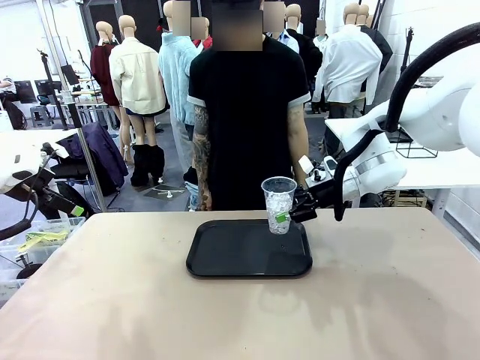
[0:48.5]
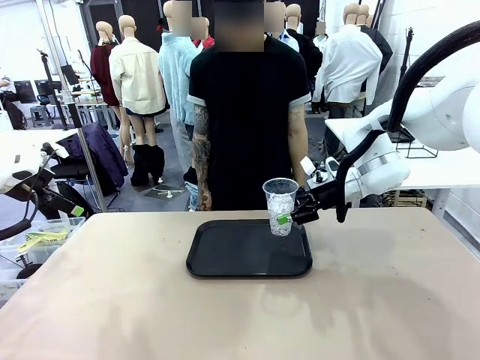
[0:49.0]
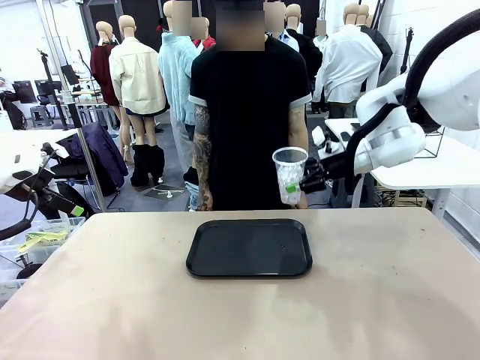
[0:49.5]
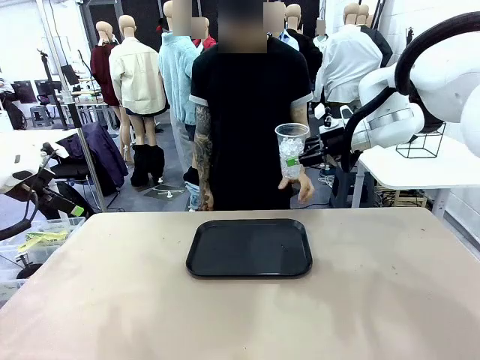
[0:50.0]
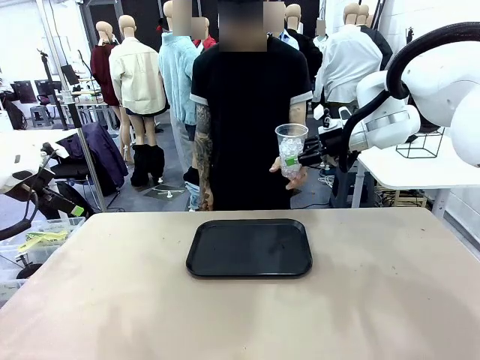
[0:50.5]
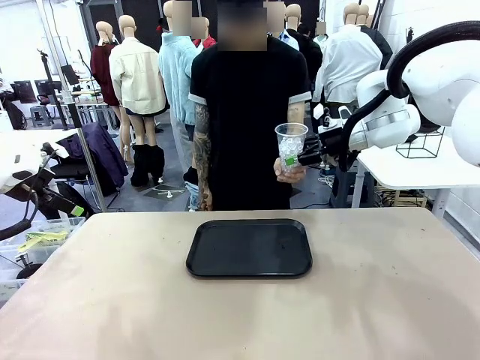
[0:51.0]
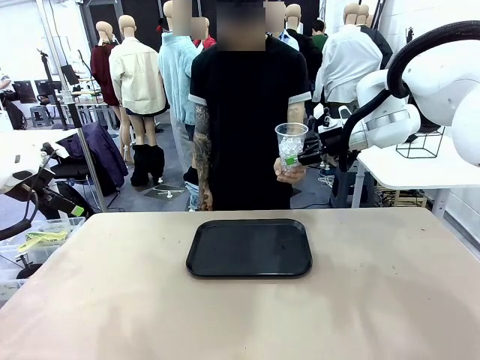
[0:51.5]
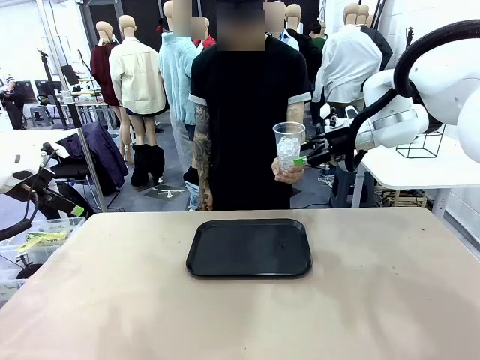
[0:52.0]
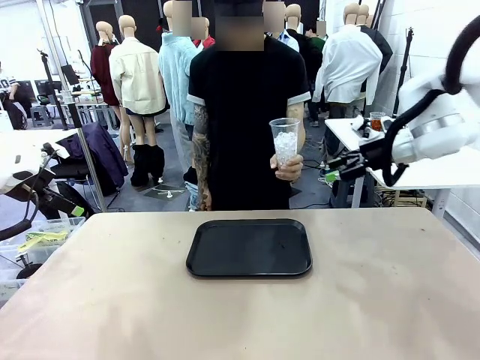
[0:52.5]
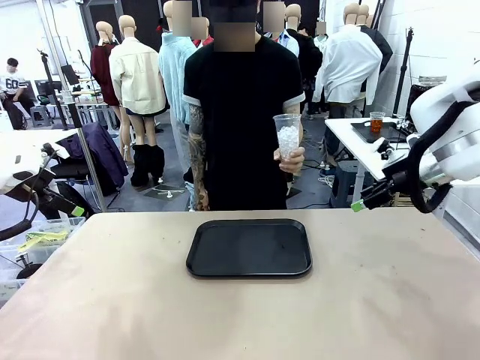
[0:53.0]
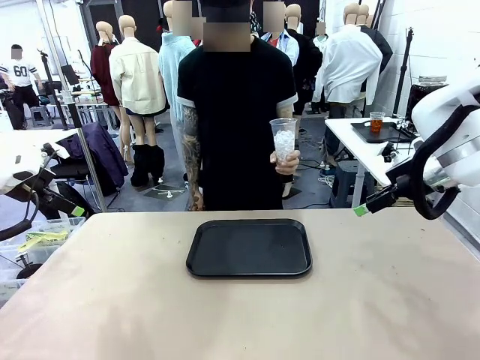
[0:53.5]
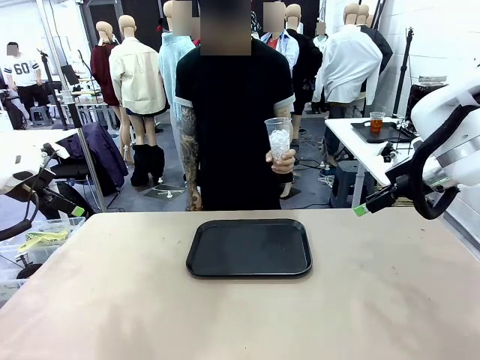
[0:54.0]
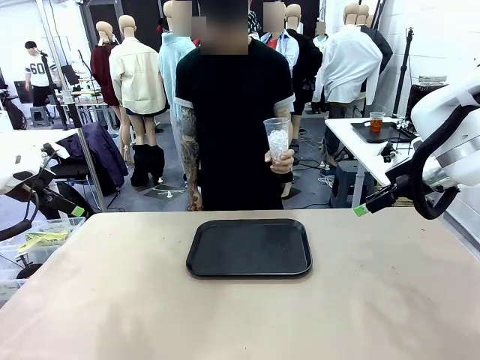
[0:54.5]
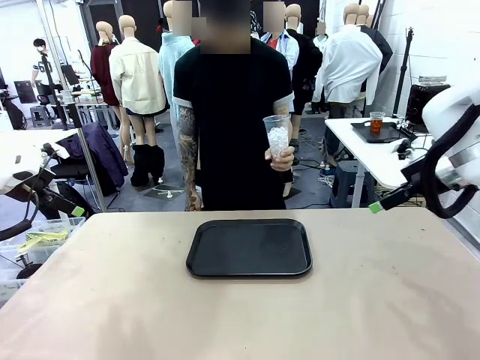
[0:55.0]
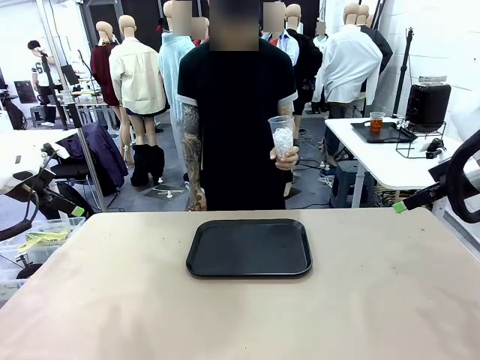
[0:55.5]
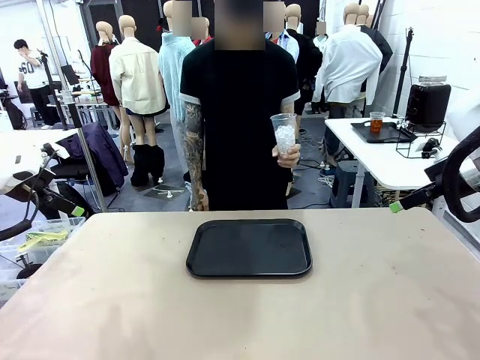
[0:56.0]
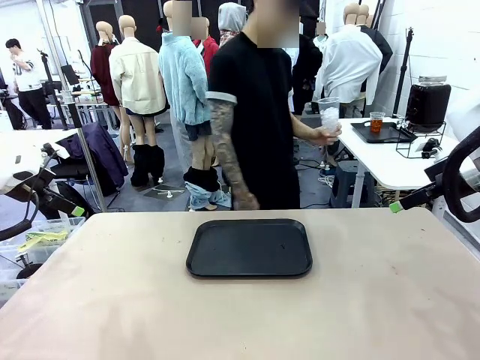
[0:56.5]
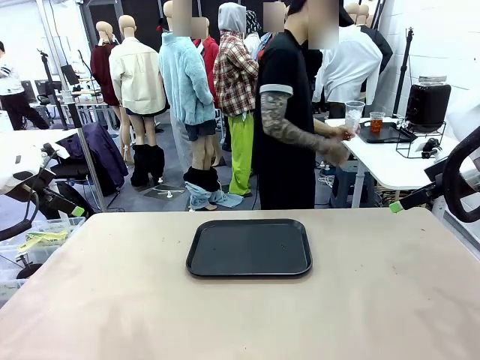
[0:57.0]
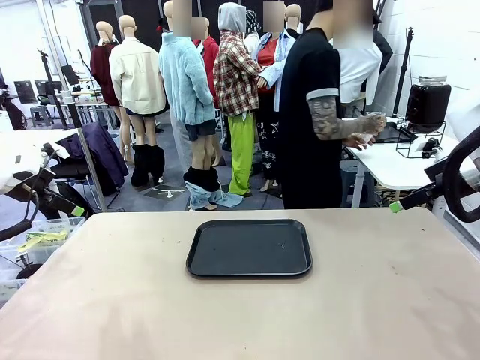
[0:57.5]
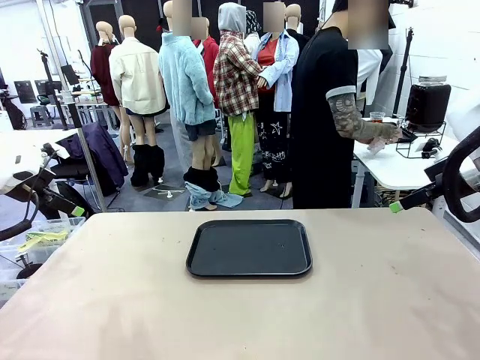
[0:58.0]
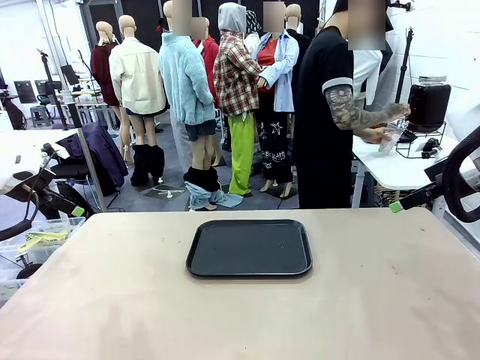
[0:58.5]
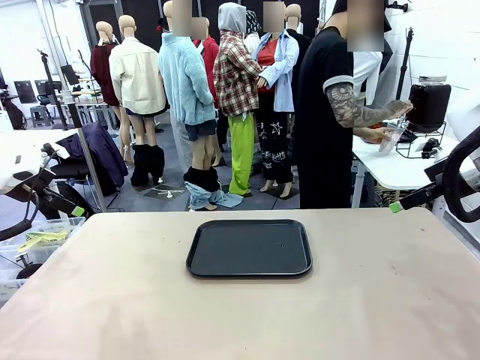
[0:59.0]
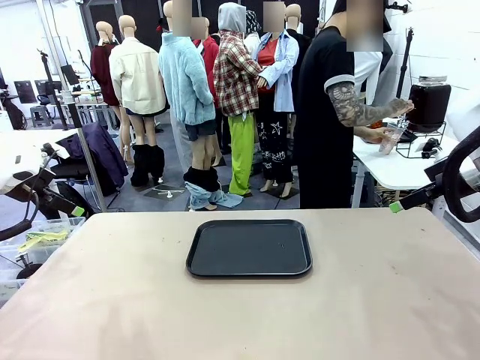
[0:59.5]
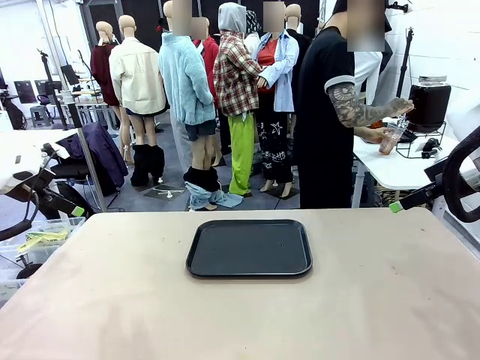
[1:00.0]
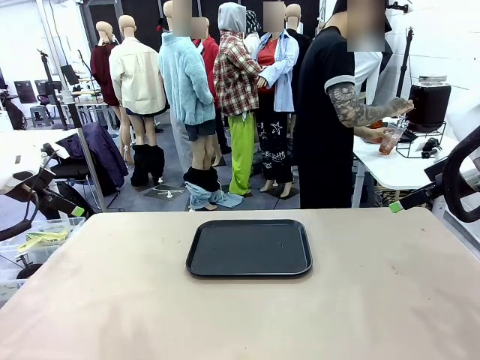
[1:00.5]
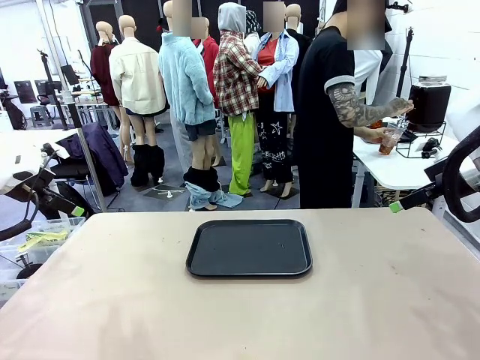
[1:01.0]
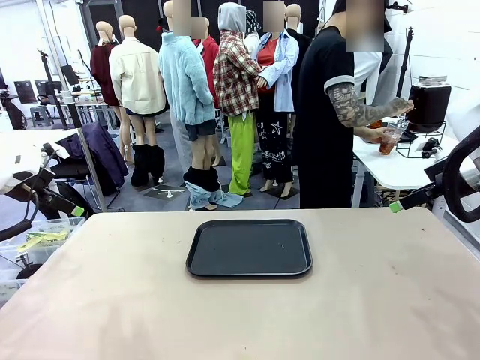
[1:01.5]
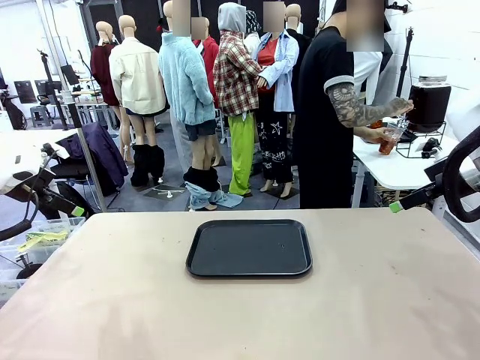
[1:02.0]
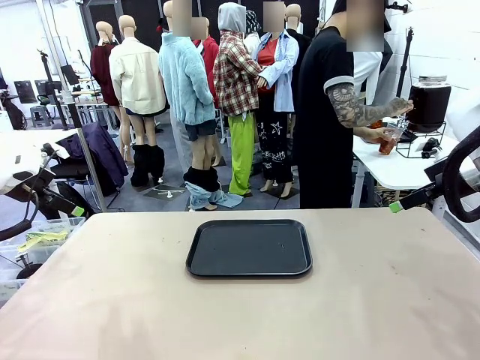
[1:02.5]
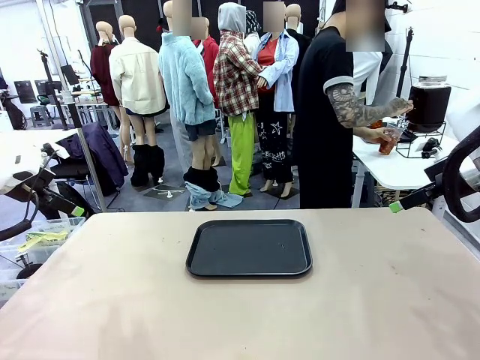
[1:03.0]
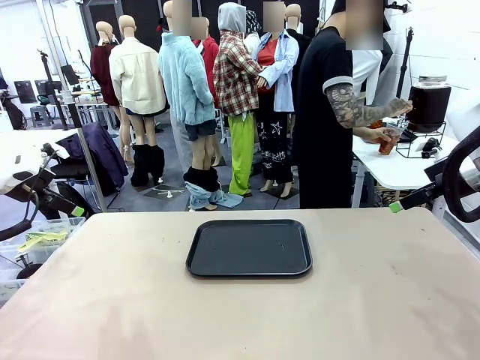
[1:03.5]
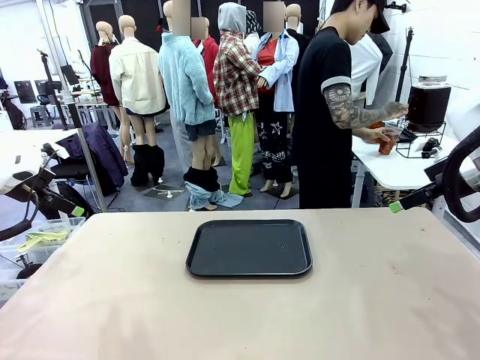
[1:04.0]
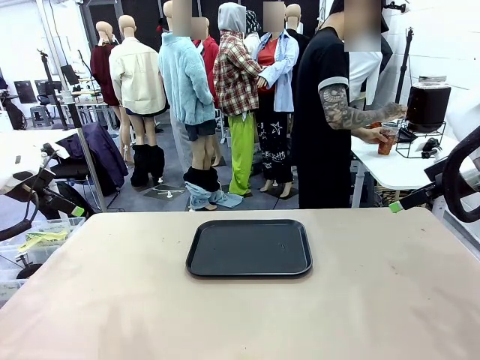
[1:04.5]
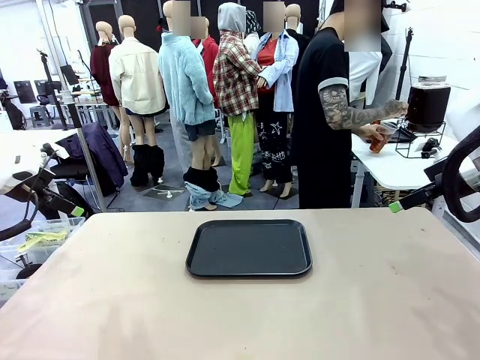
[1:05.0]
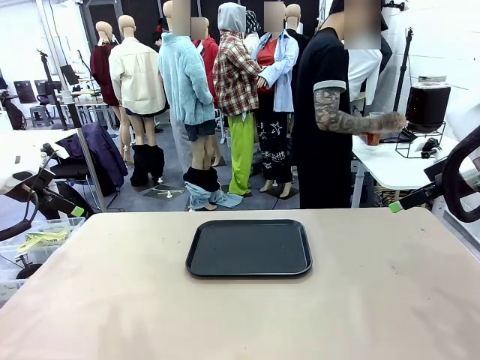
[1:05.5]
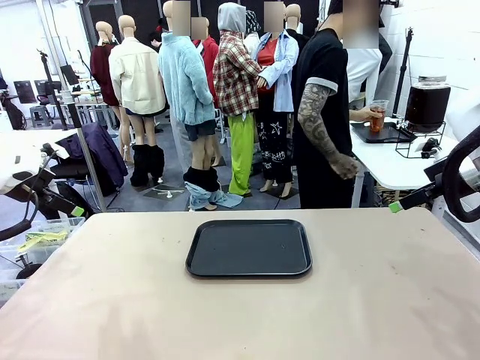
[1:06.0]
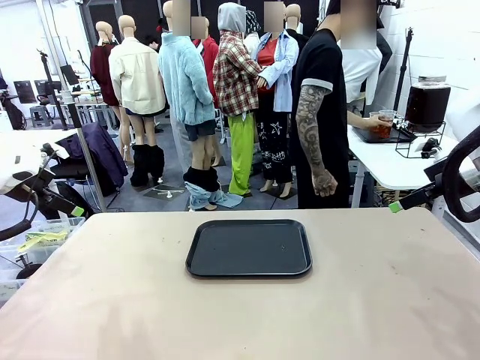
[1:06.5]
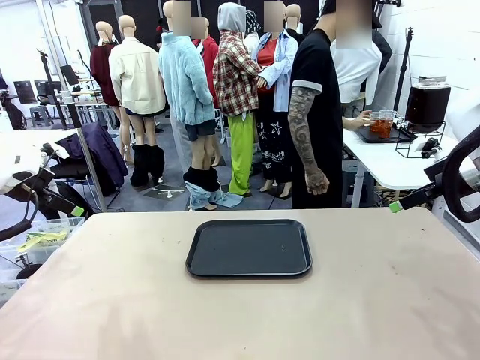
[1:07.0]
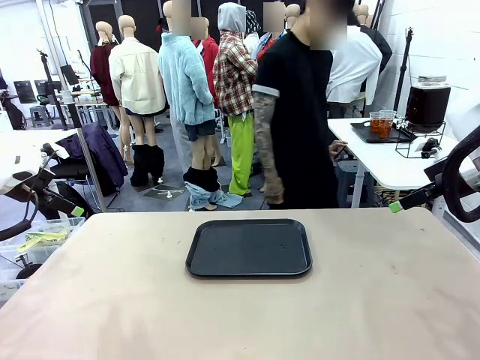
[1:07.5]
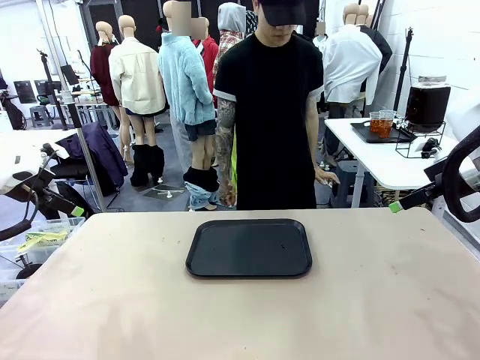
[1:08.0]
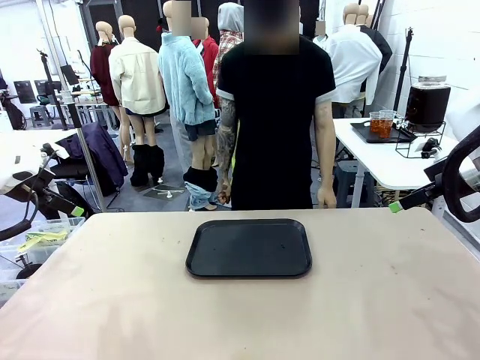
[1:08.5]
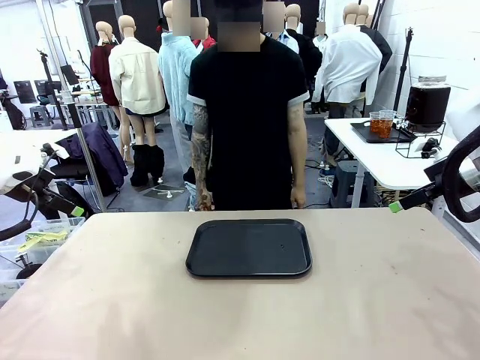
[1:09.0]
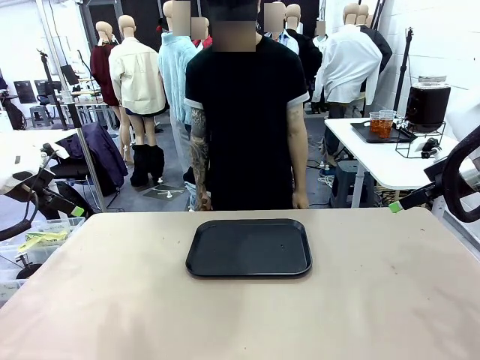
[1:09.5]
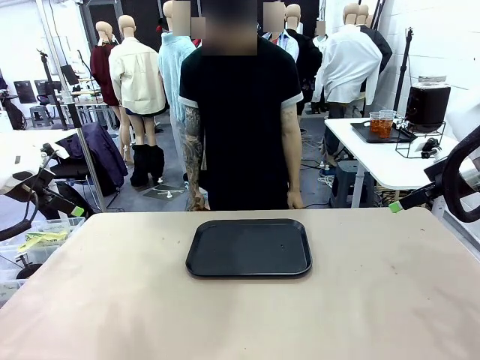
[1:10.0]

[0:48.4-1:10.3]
Task: Pour the drink into the iced cup.
Robot: Open the gripper to release the iced cup you were holding.
Person: Move the picked-up cup under the dispenser faucet, pour the drink, and place it on the tray on the human table.
